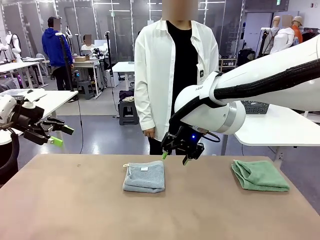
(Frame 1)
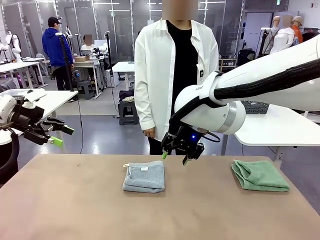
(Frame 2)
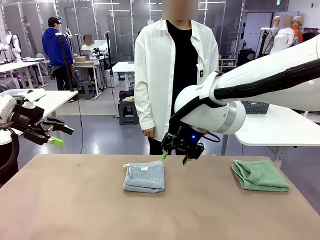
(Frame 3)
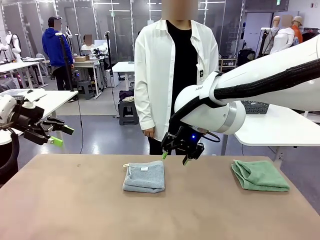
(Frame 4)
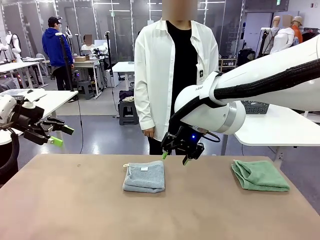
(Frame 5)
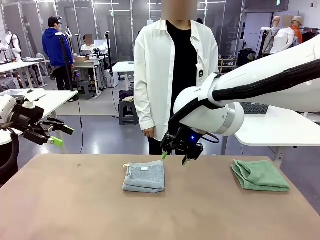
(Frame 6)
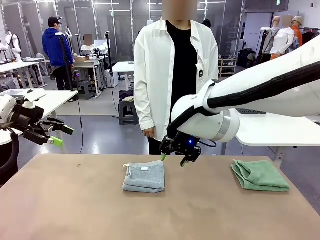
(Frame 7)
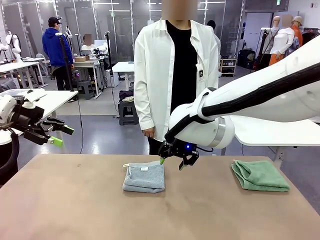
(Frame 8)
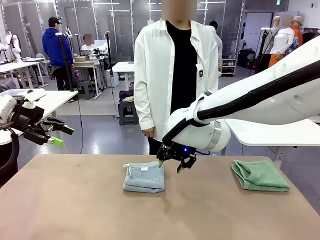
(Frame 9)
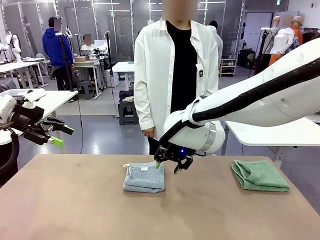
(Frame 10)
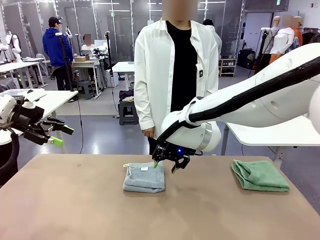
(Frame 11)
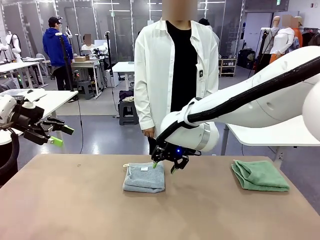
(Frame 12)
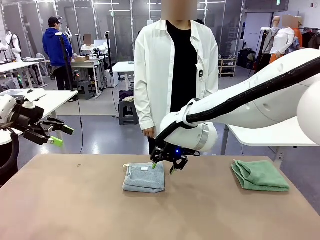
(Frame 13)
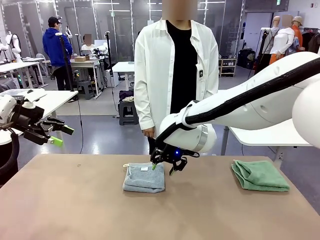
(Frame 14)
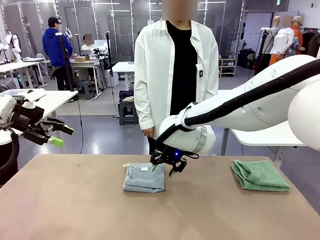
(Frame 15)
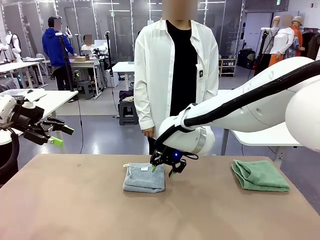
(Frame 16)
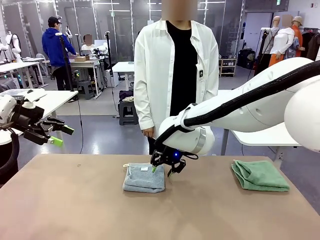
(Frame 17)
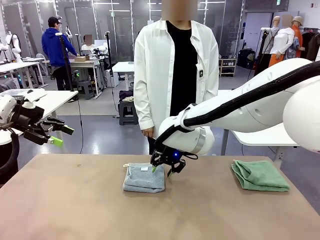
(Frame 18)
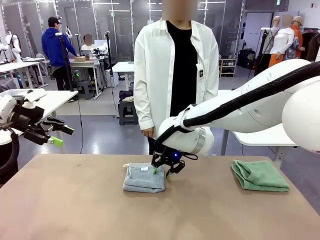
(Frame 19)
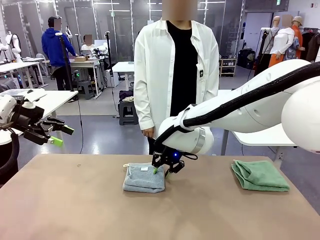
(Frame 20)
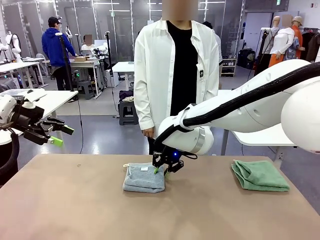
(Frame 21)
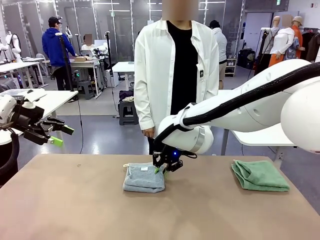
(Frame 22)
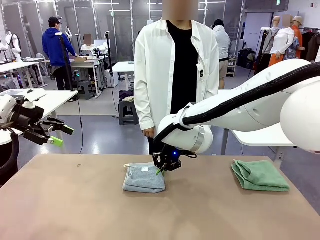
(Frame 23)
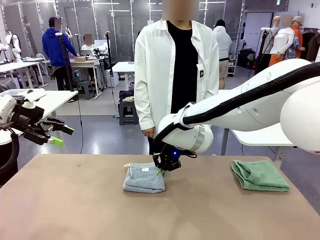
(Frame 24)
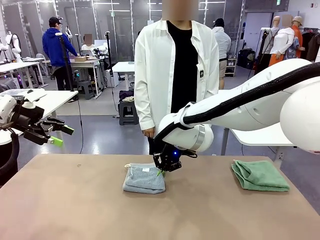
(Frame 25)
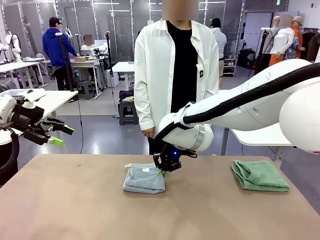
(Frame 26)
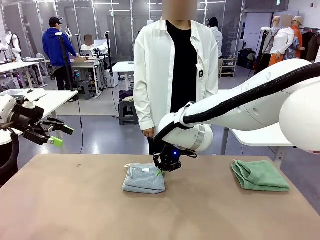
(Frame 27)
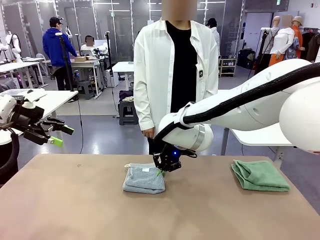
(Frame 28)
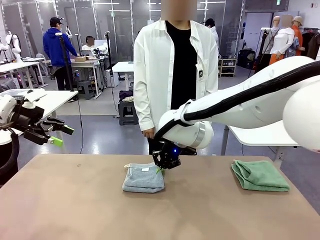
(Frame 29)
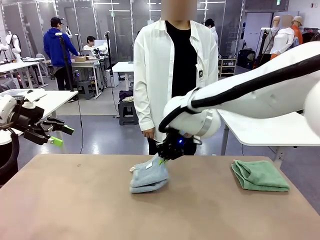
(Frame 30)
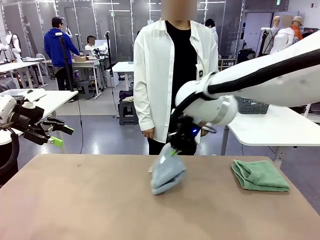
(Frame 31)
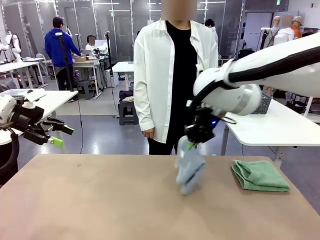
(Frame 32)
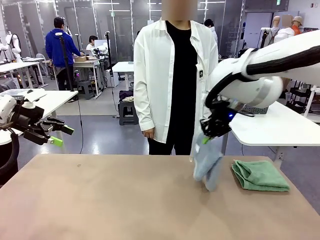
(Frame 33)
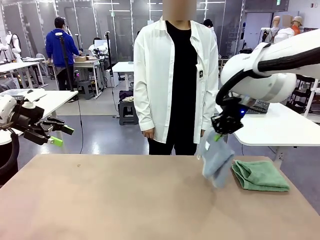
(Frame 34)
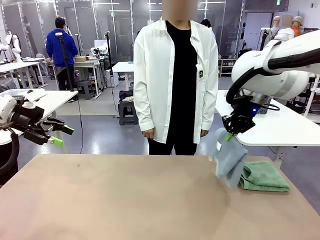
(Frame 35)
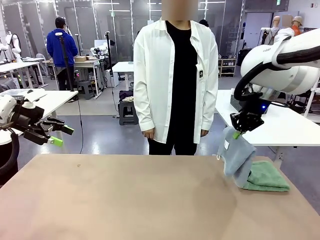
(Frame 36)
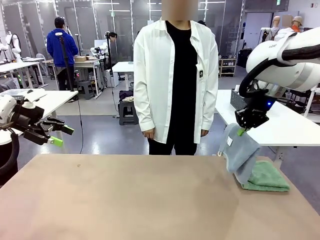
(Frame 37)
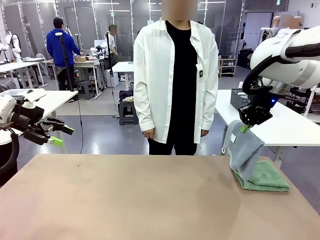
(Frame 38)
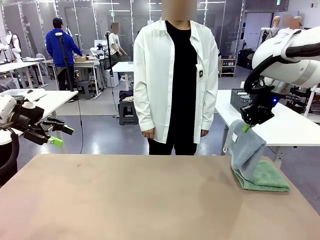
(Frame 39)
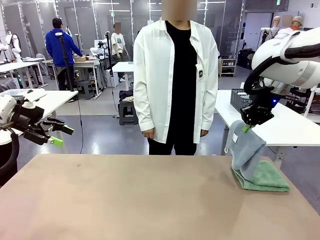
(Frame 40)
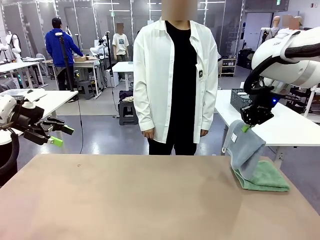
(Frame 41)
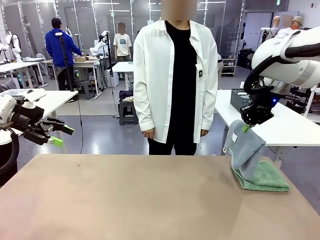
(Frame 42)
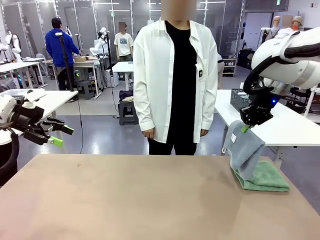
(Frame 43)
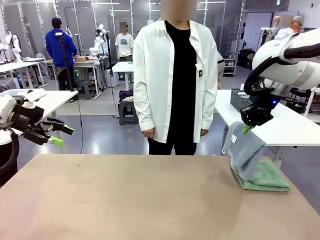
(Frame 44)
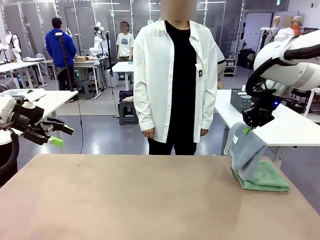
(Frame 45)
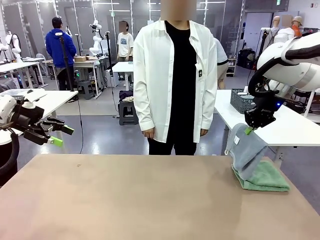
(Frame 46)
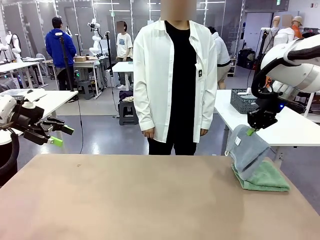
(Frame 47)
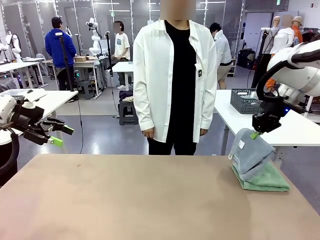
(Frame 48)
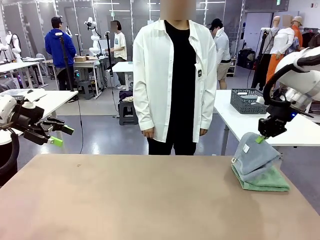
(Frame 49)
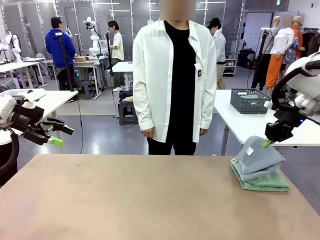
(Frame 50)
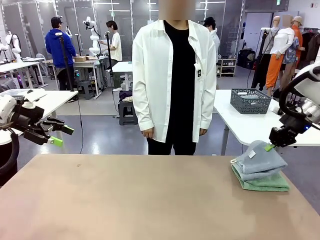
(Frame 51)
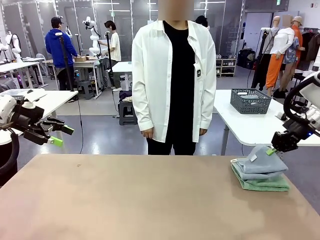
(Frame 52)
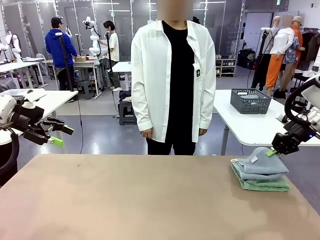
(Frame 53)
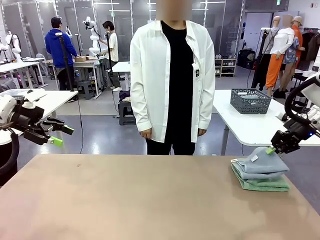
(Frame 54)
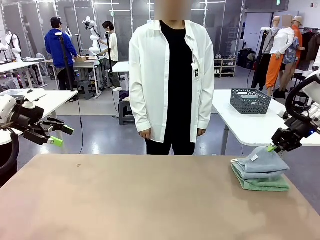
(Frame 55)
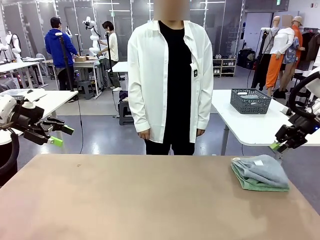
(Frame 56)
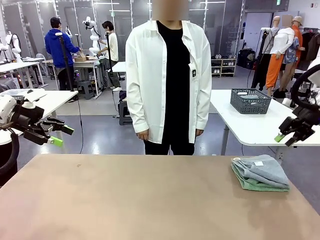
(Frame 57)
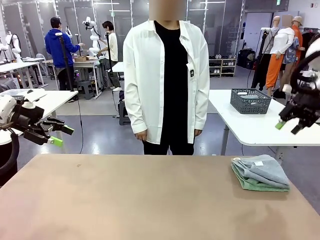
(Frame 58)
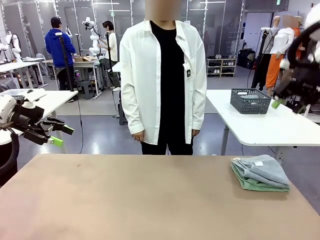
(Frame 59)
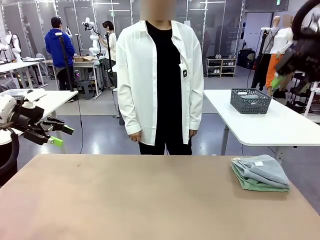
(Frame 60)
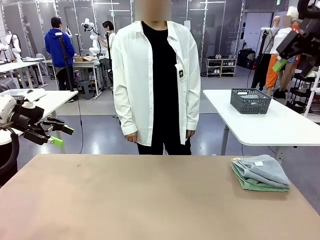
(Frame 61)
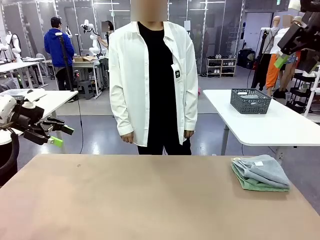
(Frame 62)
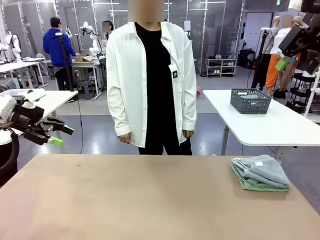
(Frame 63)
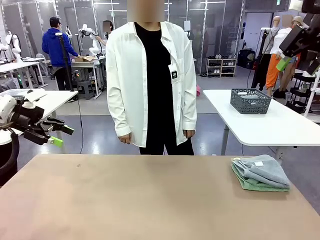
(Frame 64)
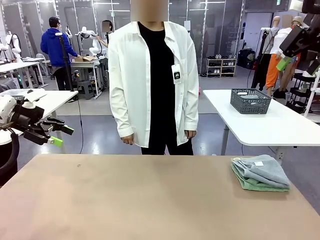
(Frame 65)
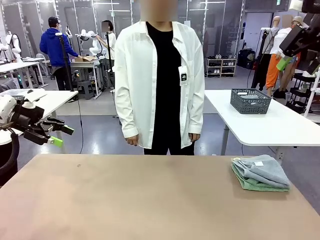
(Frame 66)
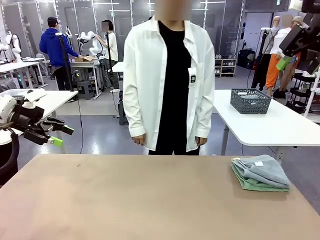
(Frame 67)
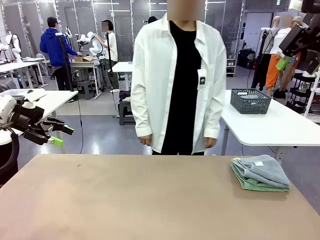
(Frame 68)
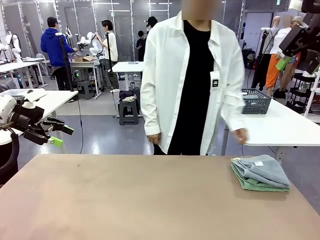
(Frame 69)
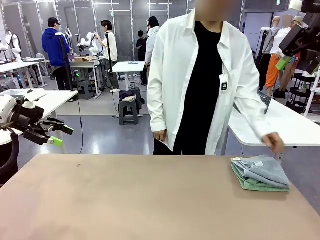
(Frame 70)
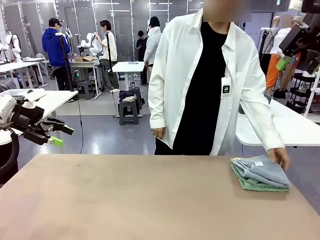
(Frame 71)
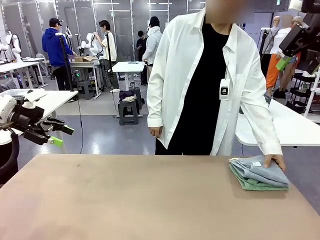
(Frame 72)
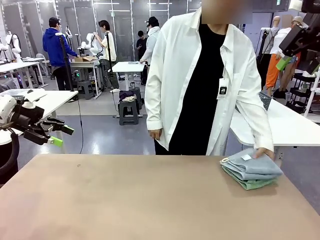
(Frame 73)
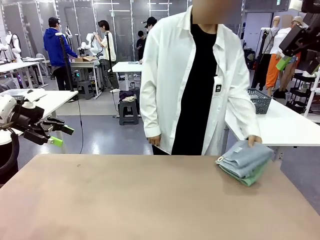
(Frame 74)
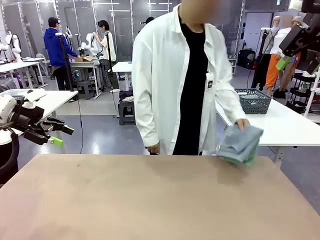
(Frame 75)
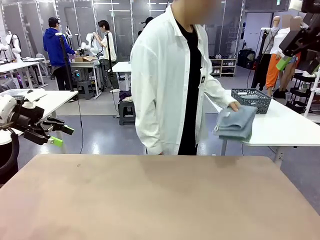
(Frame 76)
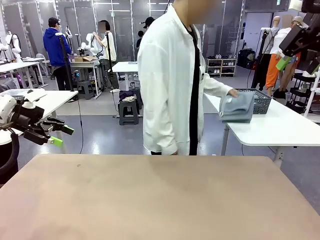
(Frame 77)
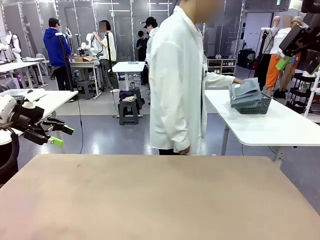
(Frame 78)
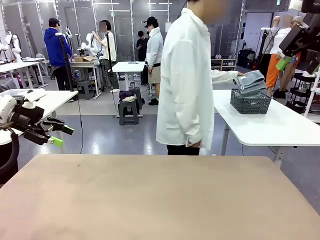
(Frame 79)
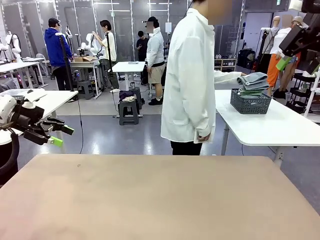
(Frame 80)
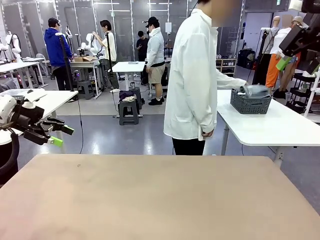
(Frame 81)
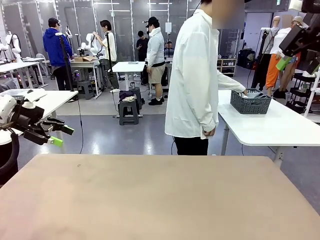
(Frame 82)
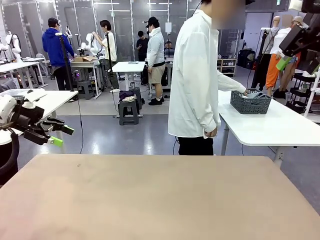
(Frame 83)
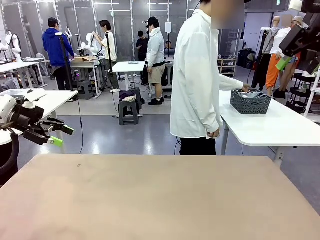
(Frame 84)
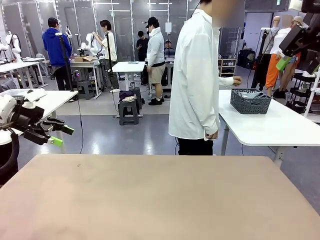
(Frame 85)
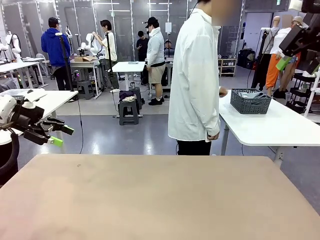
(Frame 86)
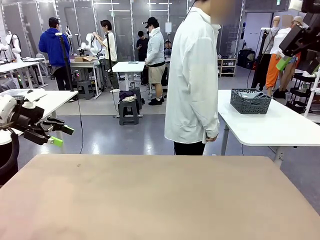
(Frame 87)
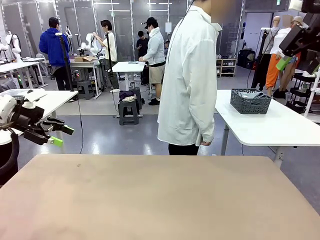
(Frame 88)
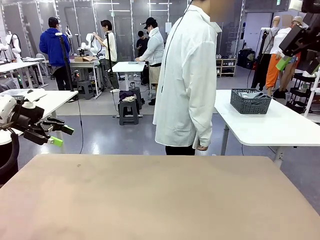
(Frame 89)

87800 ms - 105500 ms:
Task: Fold the towels and place them in the basket.
Robot: Stack the folded Towel with hook on the right side of the table.
Person: Pick up the stack of towels from the robot table and place it into the basket.

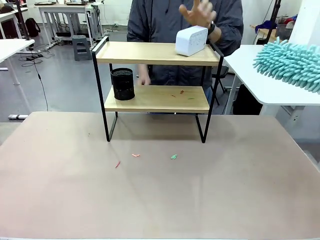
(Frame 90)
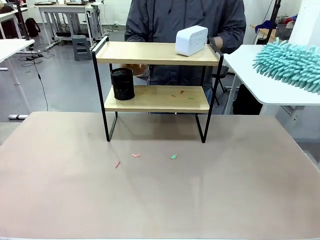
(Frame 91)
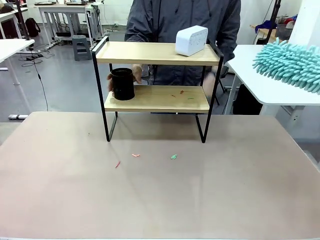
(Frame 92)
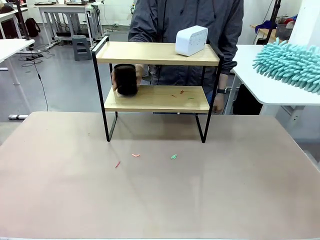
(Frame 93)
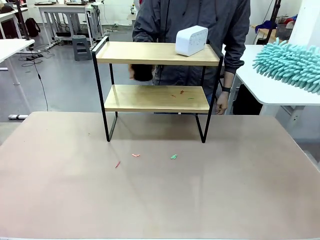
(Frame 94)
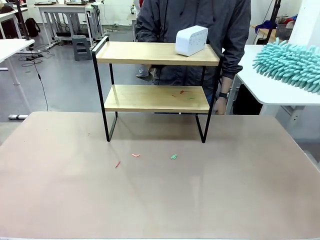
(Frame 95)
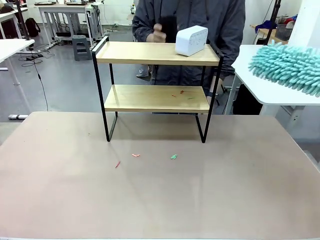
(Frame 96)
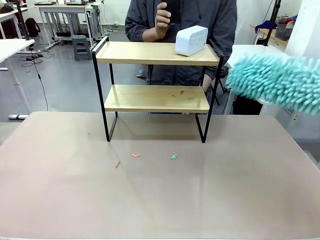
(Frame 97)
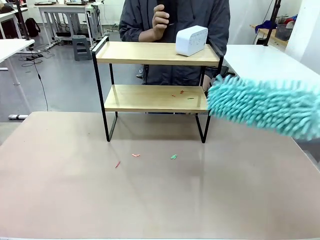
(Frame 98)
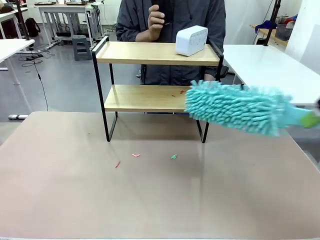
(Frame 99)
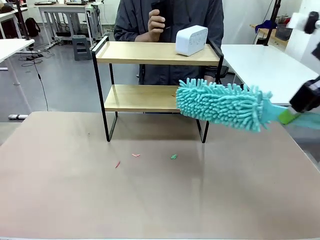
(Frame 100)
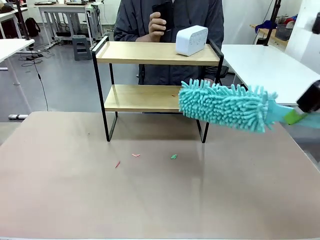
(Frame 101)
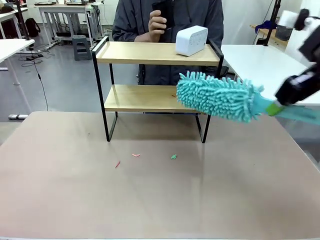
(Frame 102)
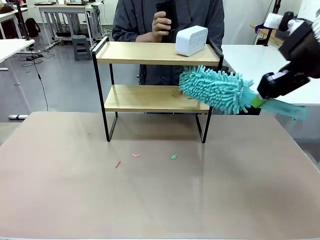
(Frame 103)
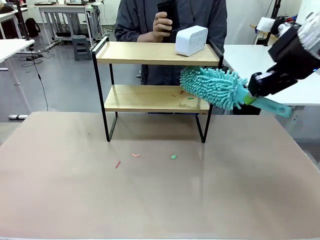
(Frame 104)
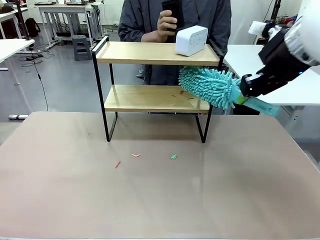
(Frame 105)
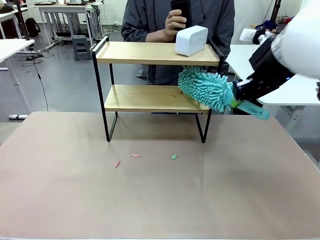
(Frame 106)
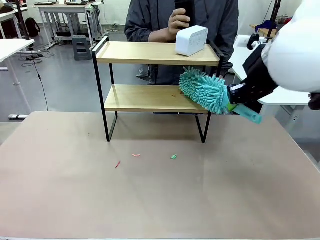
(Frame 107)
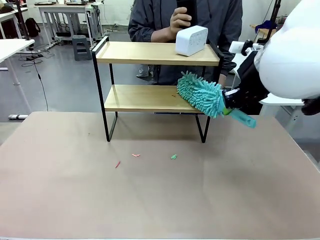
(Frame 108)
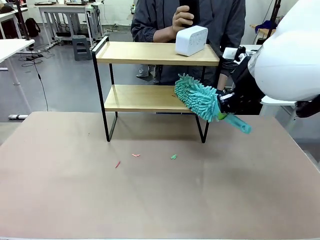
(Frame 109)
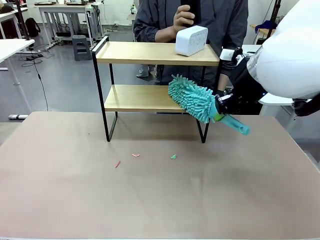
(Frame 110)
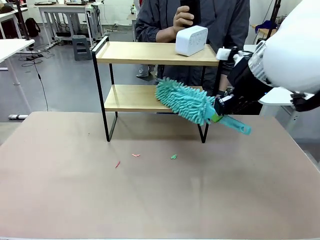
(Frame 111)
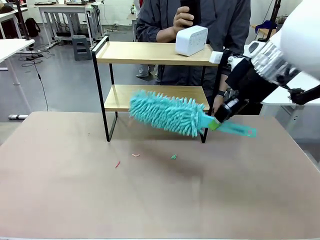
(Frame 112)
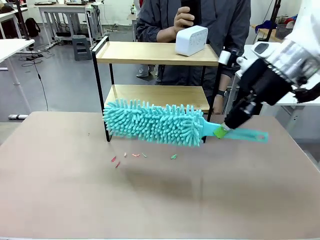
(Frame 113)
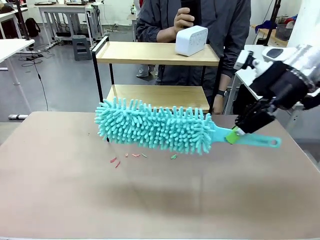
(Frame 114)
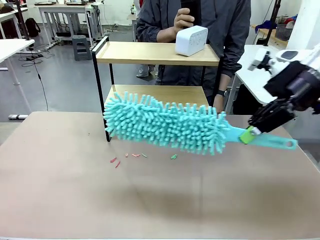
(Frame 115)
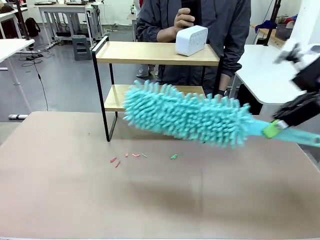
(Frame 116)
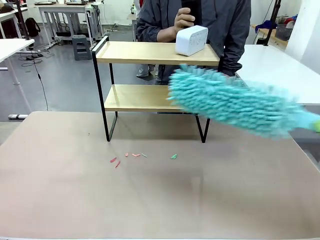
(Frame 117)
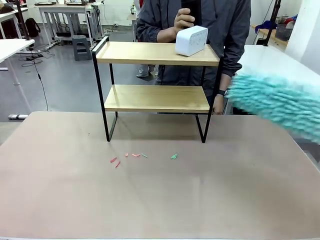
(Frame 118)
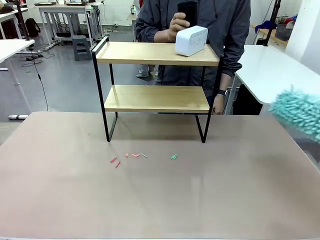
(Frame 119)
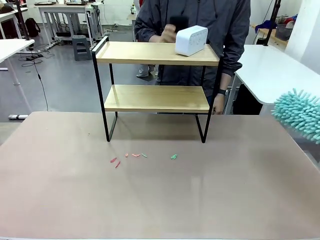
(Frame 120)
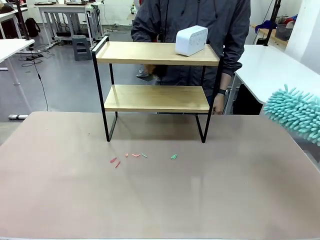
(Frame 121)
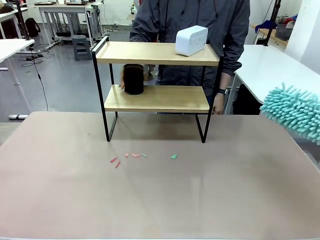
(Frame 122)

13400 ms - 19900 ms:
Task: Clean the shelf.
Robot: Clean the remaining tier of the Shelf with the Duster once objects are removed.
